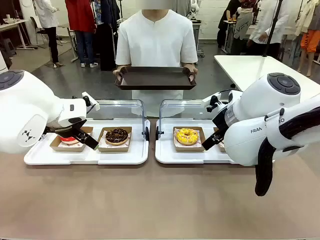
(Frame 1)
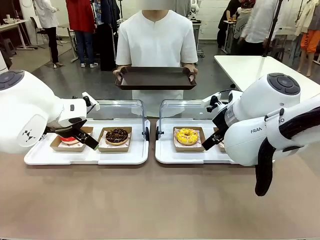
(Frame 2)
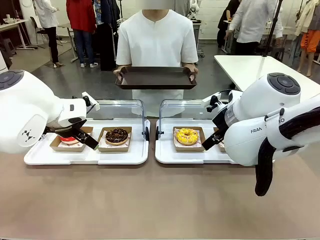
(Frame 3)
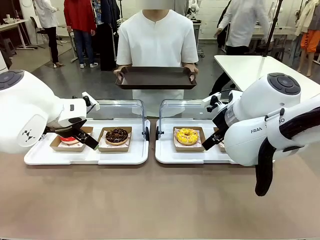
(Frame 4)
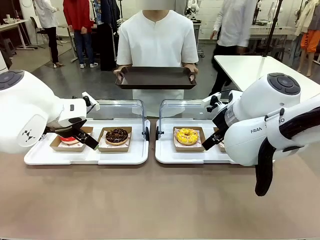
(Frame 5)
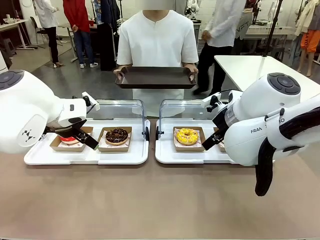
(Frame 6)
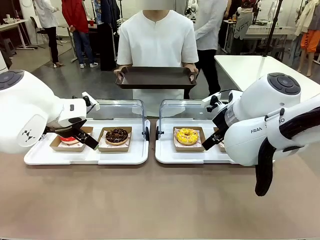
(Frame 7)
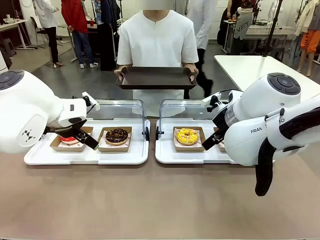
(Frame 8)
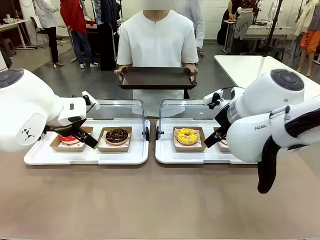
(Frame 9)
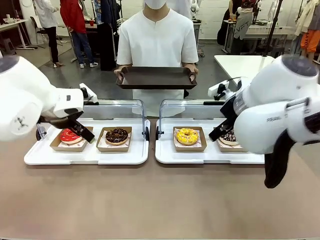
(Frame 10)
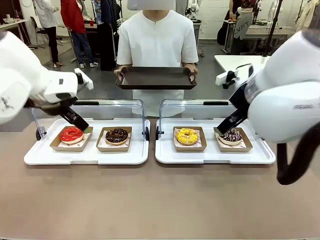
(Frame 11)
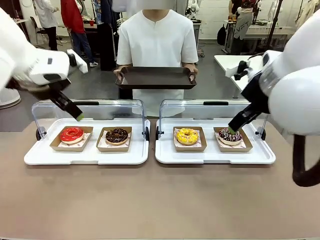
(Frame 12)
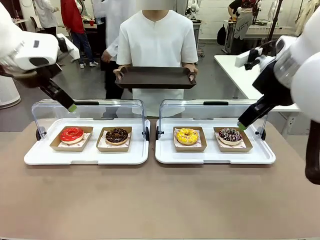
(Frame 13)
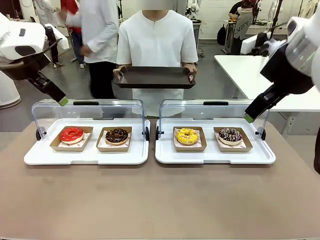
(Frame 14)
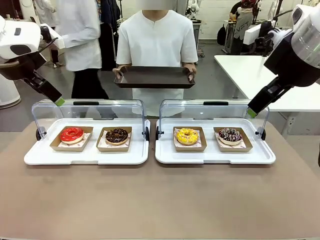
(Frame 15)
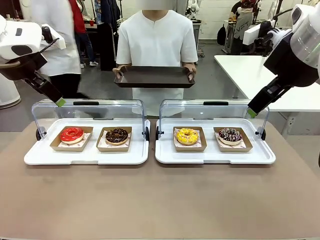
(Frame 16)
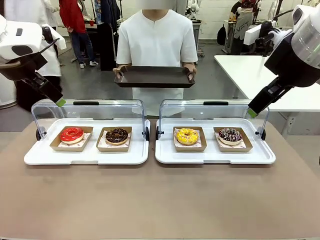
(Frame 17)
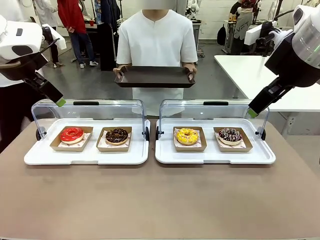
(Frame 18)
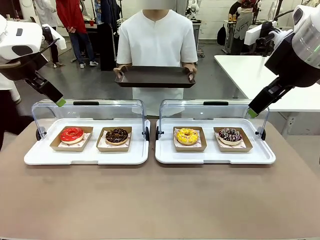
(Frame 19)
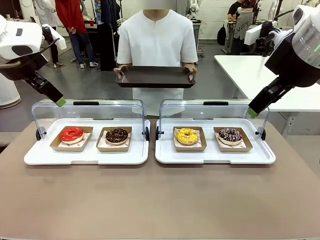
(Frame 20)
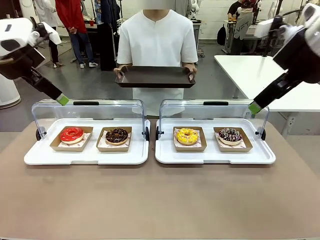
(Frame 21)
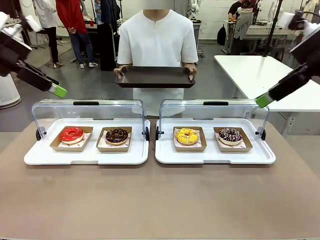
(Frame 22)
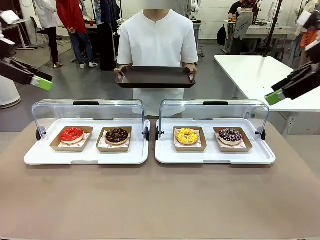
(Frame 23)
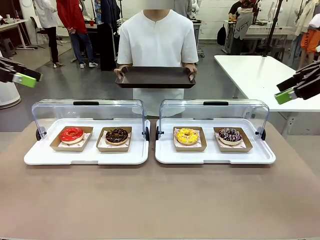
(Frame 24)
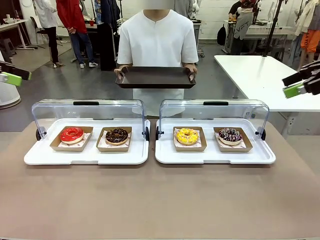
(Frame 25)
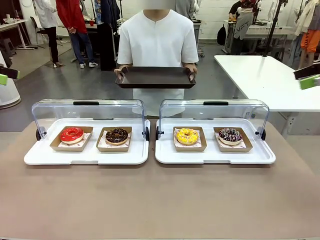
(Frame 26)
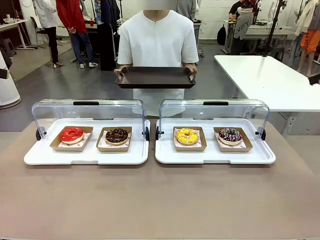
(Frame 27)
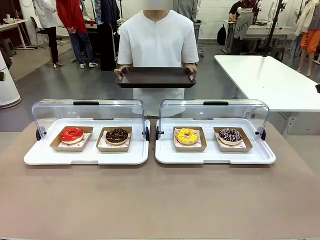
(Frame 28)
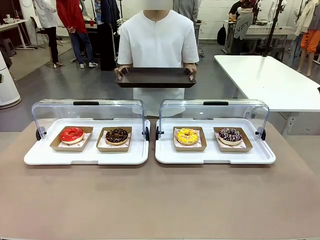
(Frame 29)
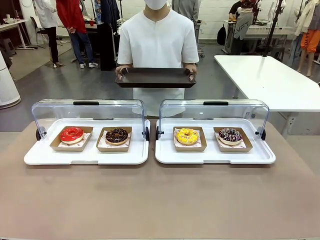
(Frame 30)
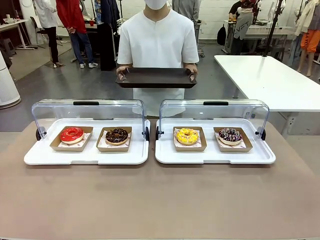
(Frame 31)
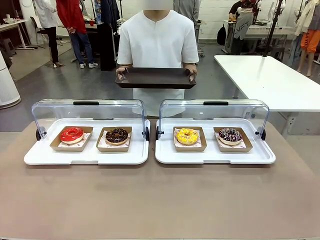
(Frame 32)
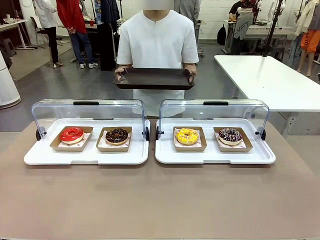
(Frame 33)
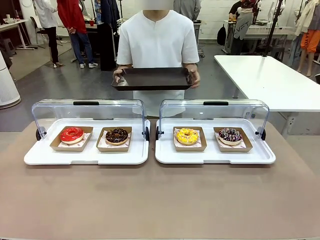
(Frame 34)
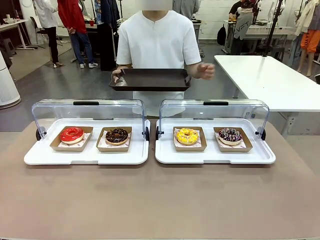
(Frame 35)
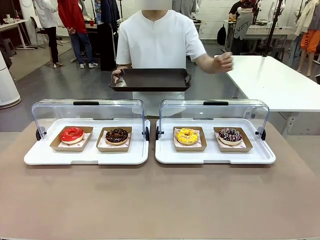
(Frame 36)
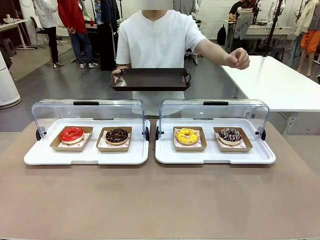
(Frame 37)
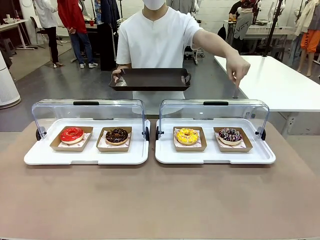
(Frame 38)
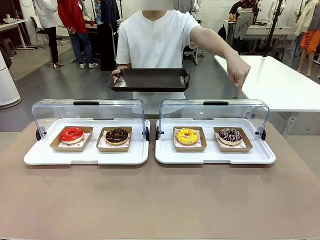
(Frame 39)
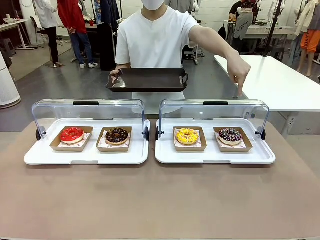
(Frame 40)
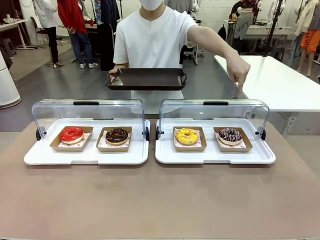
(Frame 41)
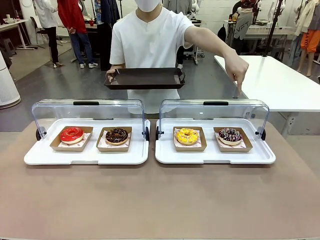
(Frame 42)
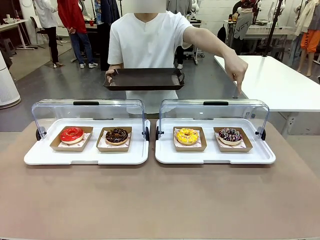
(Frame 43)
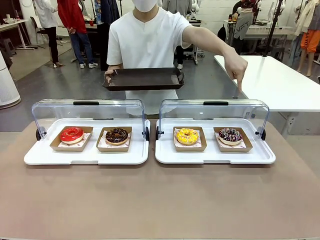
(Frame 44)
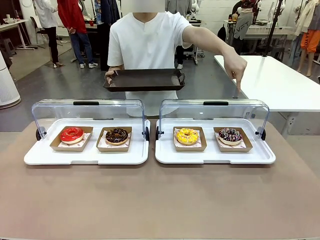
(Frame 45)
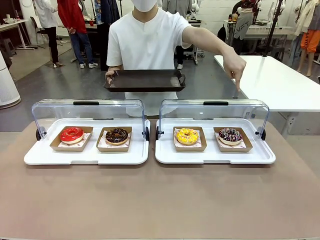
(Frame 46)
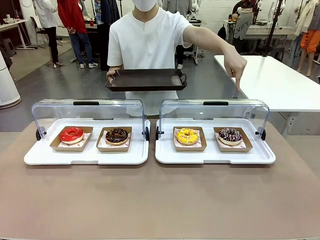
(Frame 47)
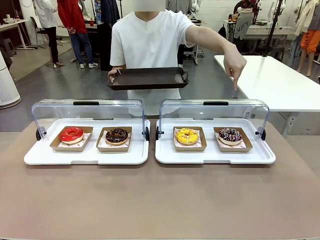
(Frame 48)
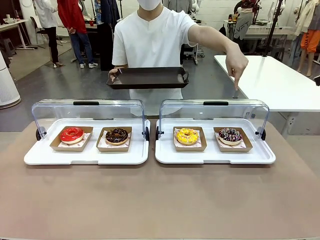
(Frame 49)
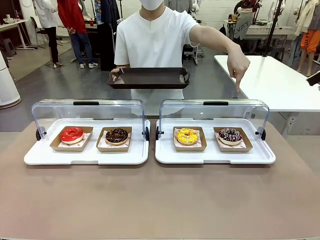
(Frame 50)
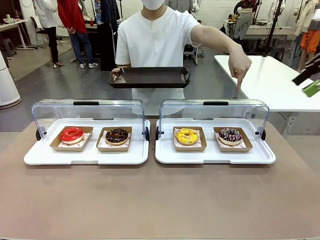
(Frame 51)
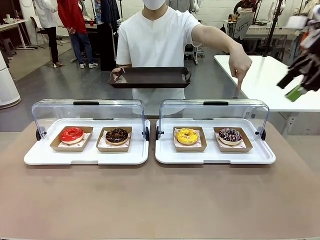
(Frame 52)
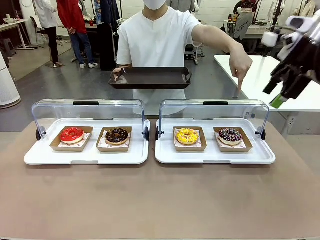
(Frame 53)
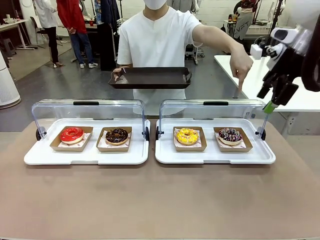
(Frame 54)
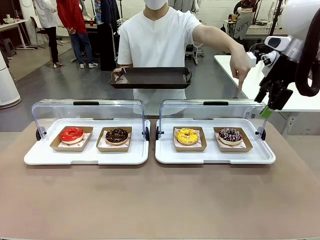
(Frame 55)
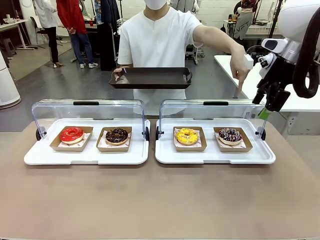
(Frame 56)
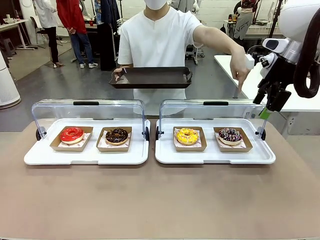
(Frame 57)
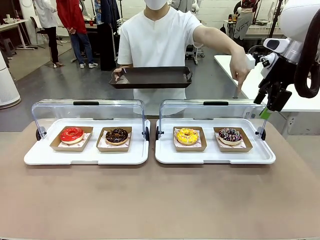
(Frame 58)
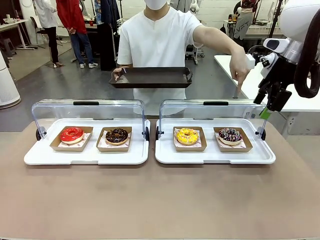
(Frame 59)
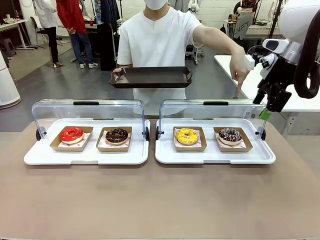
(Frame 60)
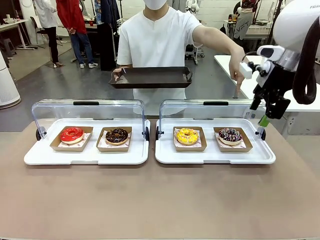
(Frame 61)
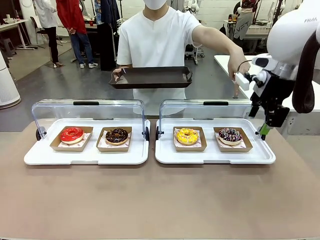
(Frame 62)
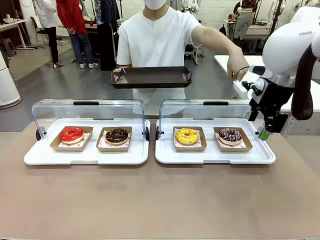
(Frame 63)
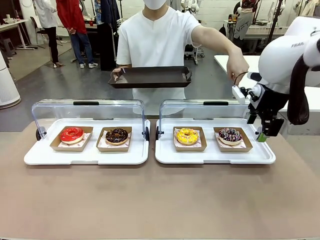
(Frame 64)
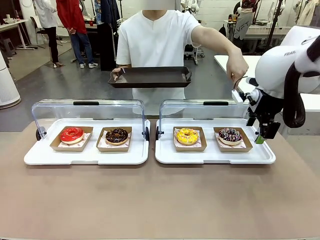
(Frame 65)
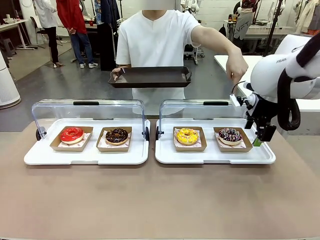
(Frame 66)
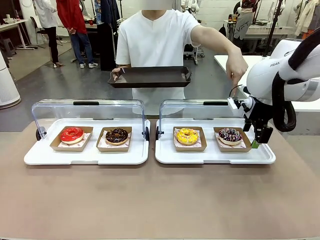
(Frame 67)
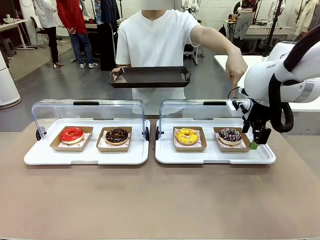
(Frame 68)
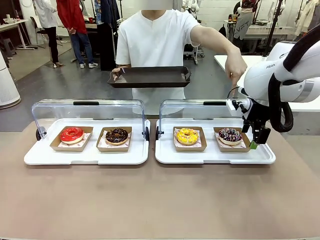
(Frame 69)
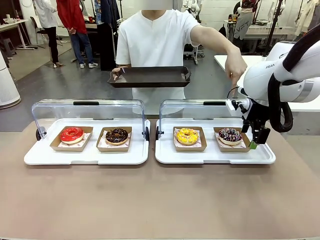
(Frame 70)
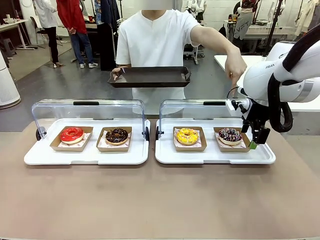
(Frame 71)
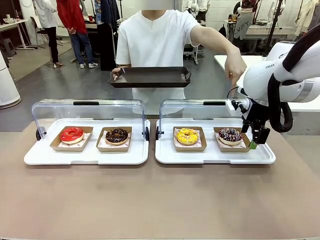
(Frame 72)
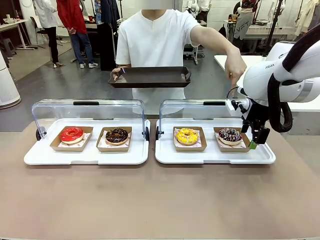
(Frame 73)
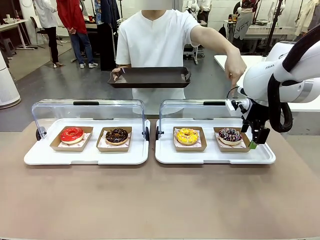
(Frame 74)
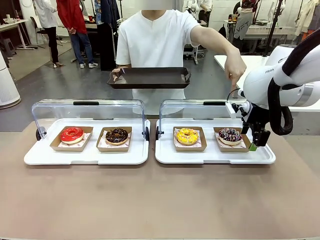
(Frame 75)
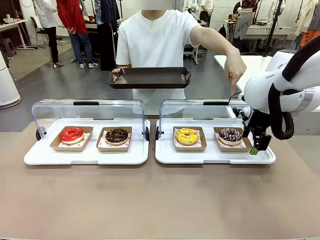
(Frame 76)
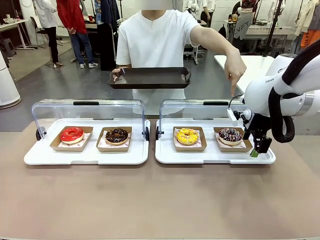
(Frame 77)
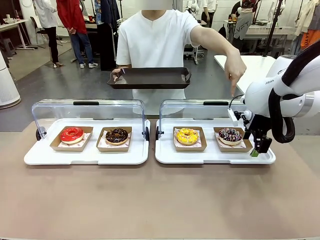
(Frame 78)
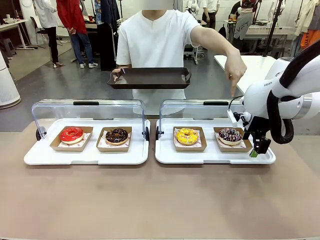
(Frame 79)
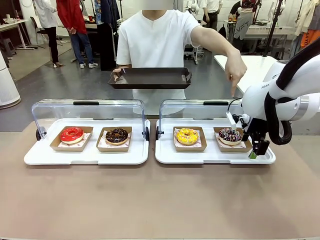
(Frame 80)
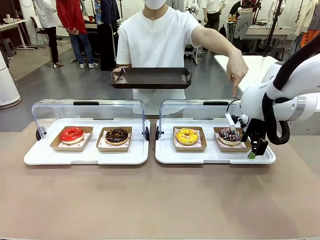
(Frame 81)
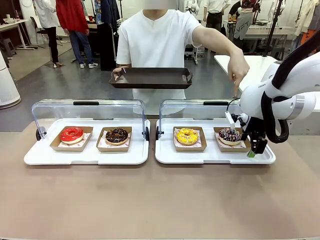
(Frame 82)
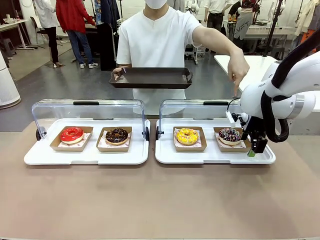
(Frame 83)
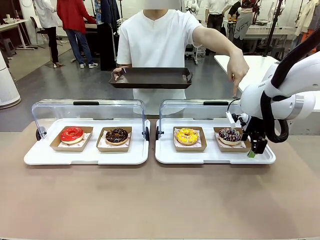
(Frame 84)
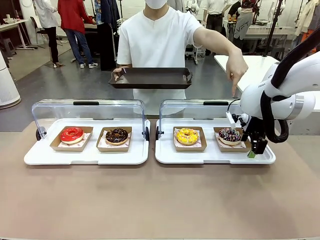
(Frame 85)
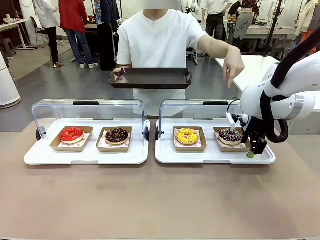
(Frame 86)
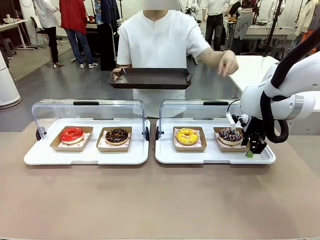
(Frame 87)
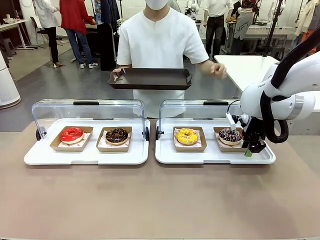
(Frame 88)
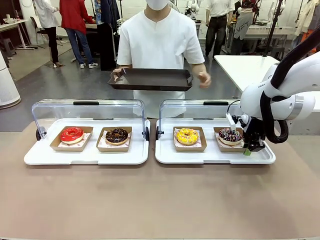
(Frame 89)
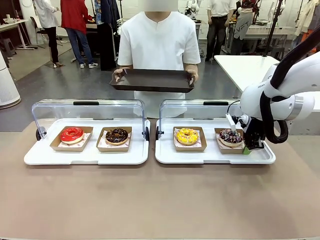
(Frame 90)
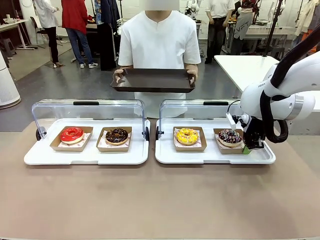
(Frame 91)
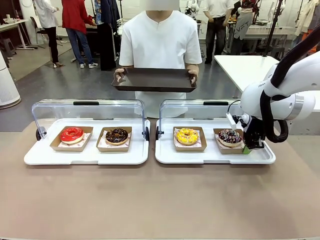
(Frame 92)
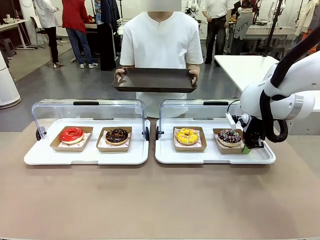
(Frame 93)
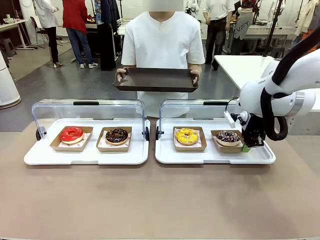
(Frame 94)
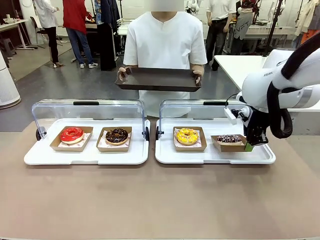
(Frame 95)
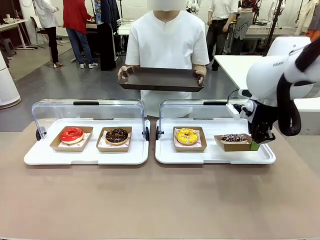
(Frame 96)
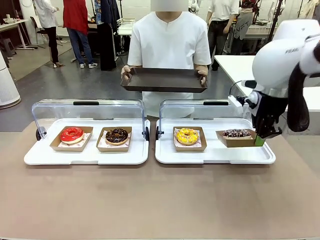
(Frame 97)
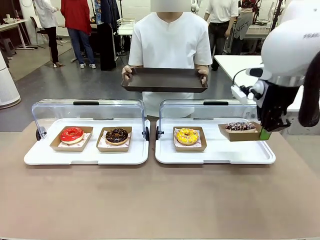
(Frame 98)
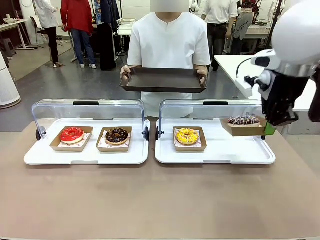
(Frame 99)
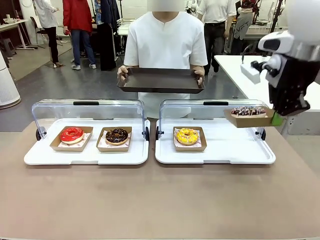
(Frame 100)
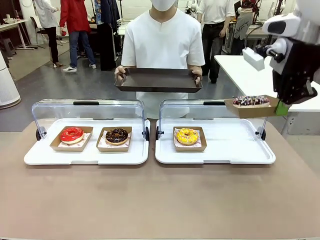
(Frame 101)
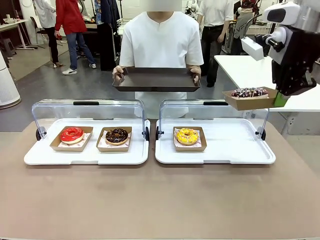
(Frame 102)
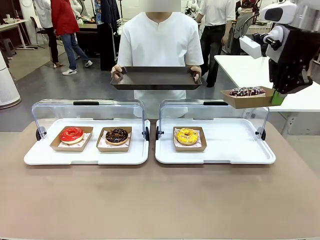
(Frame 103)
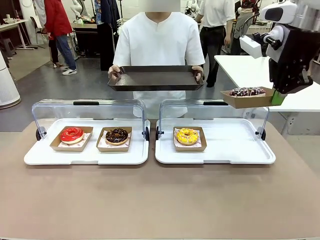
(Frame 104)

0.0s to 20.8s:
Task: Provide the desired donut to the person.
Robot: Pick up and lift the Paper togo box containing the Donut pointed at by the person.
Person: Point to one donut. Lift the tray onto the Roll-Top Bakery Case.
